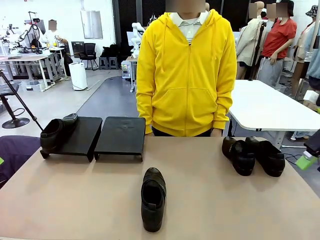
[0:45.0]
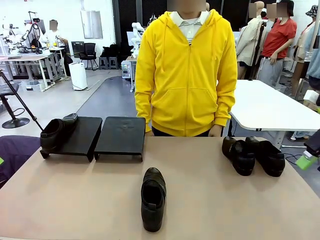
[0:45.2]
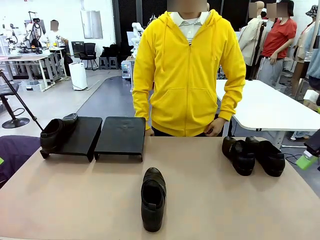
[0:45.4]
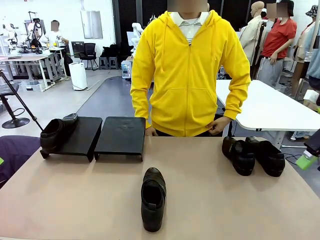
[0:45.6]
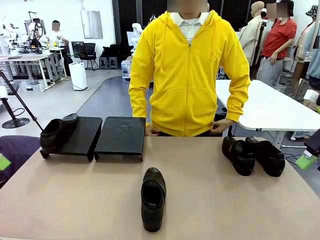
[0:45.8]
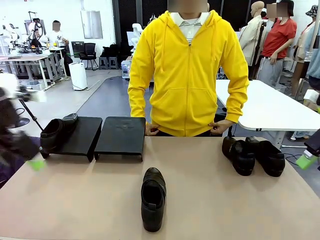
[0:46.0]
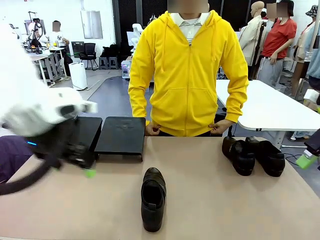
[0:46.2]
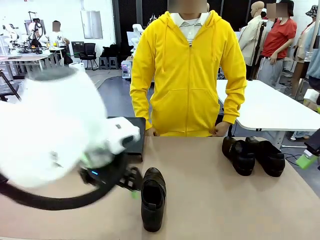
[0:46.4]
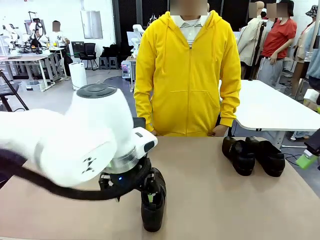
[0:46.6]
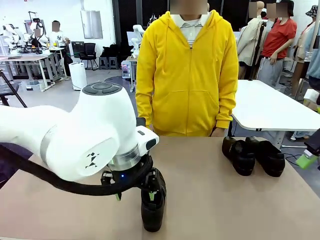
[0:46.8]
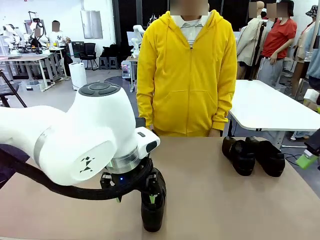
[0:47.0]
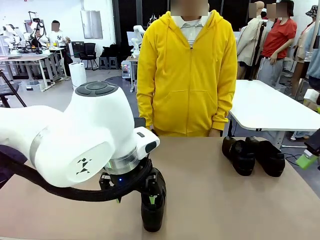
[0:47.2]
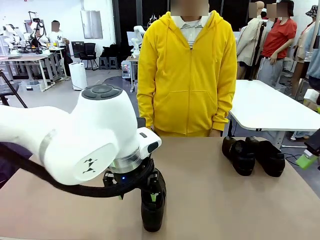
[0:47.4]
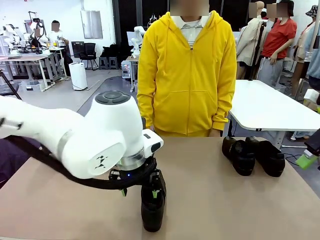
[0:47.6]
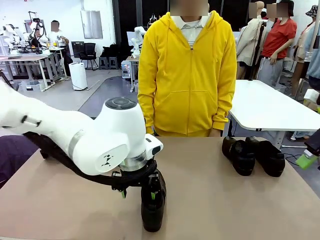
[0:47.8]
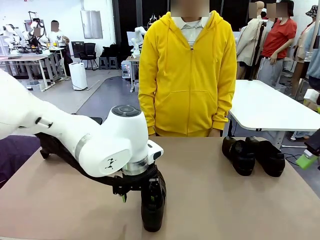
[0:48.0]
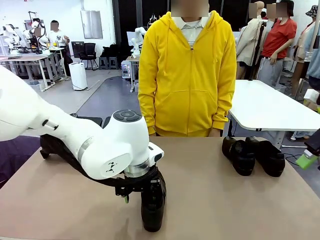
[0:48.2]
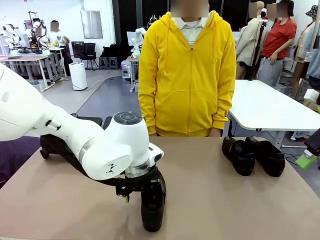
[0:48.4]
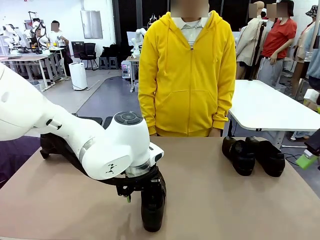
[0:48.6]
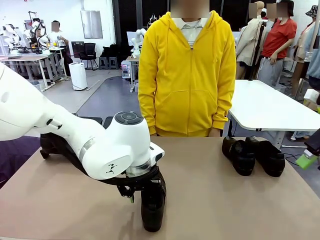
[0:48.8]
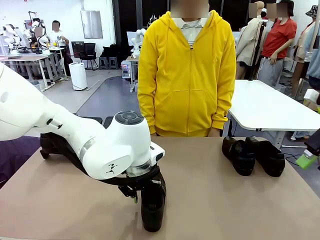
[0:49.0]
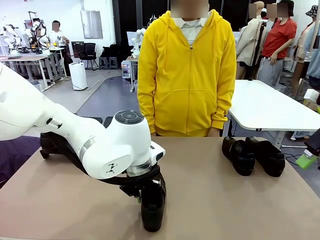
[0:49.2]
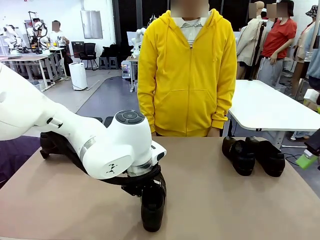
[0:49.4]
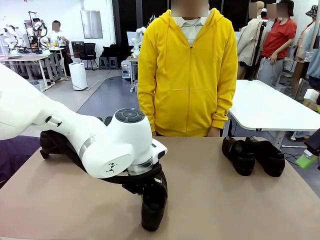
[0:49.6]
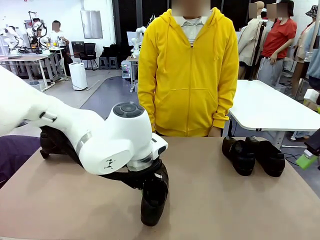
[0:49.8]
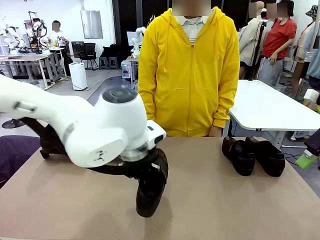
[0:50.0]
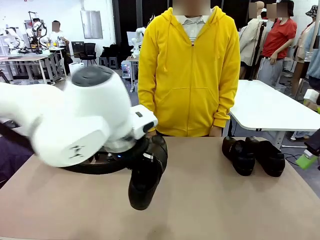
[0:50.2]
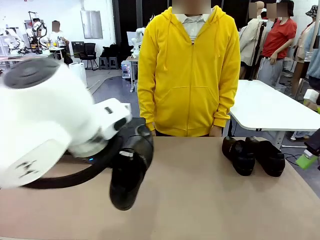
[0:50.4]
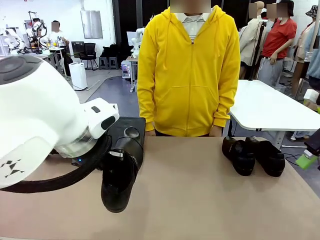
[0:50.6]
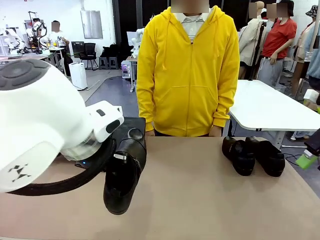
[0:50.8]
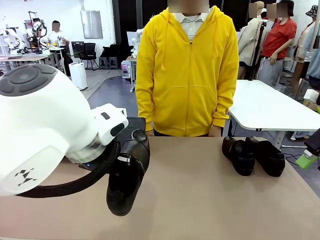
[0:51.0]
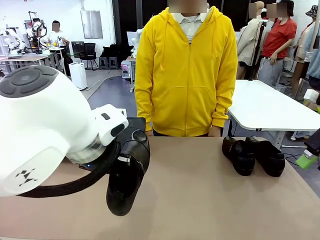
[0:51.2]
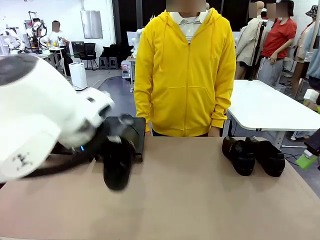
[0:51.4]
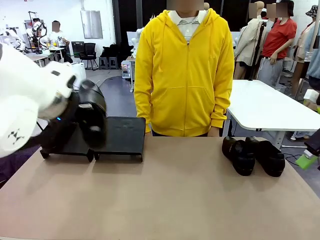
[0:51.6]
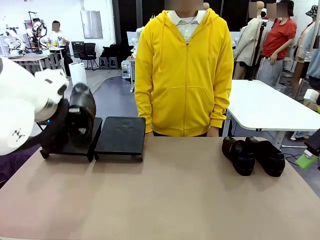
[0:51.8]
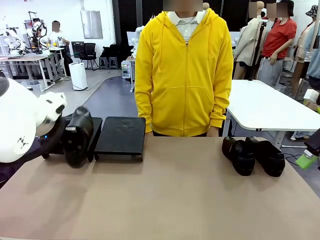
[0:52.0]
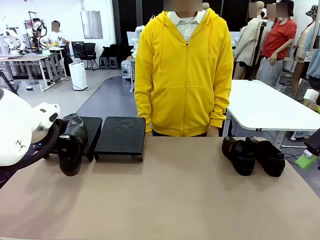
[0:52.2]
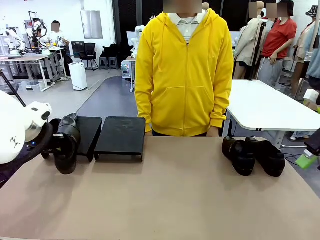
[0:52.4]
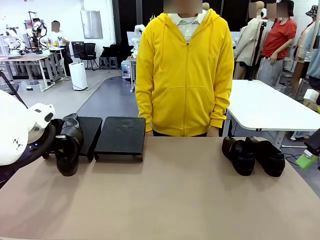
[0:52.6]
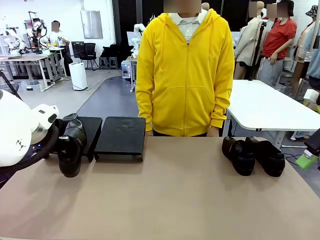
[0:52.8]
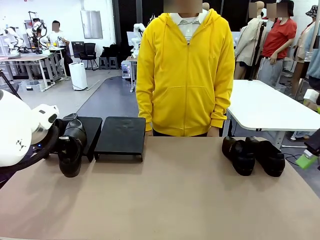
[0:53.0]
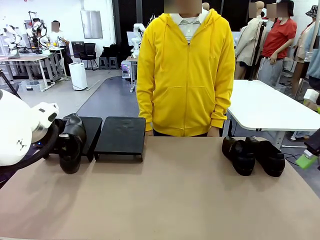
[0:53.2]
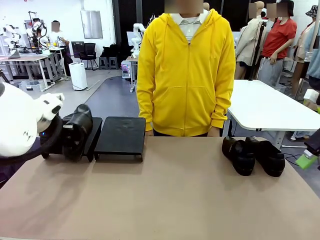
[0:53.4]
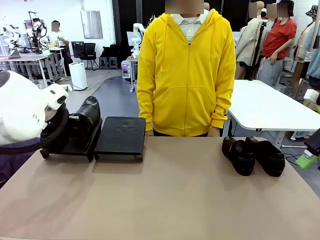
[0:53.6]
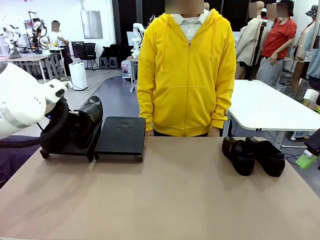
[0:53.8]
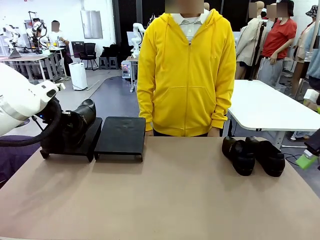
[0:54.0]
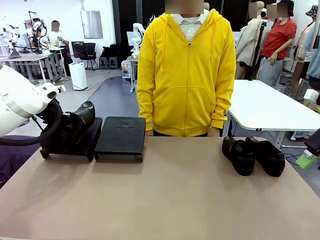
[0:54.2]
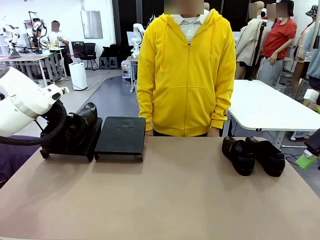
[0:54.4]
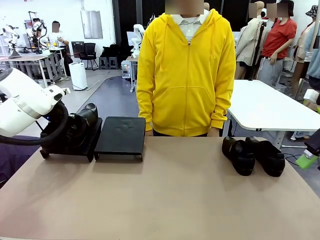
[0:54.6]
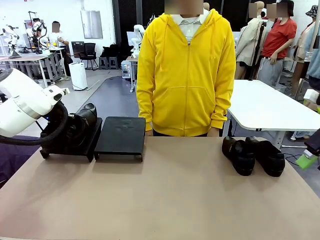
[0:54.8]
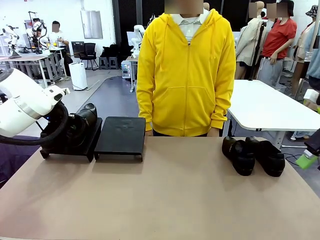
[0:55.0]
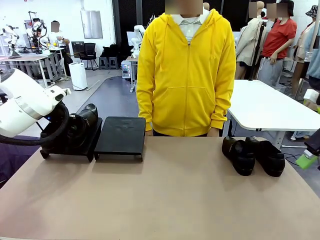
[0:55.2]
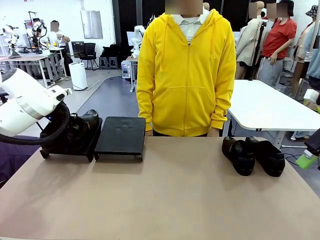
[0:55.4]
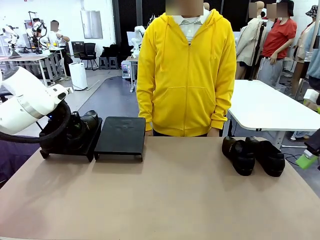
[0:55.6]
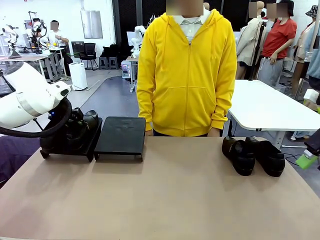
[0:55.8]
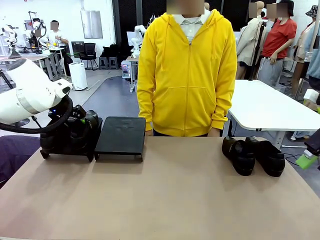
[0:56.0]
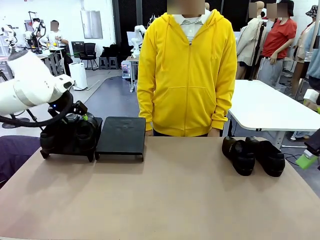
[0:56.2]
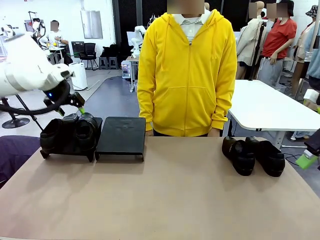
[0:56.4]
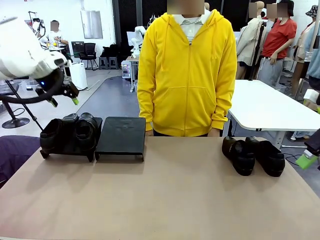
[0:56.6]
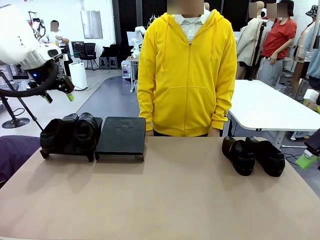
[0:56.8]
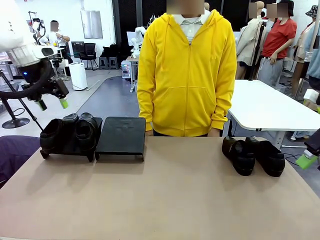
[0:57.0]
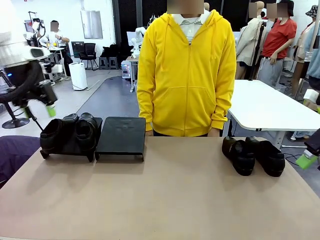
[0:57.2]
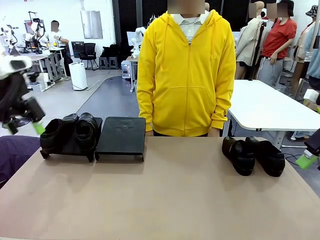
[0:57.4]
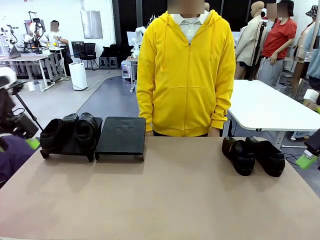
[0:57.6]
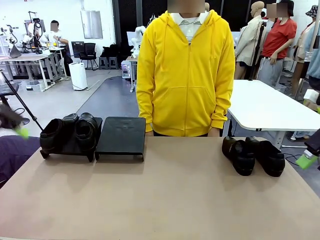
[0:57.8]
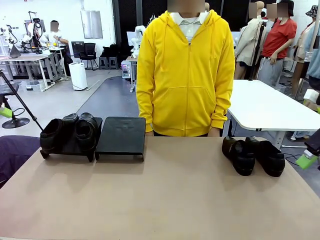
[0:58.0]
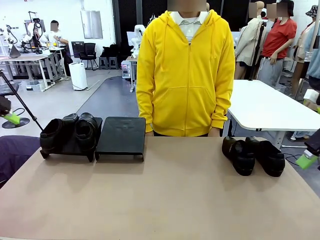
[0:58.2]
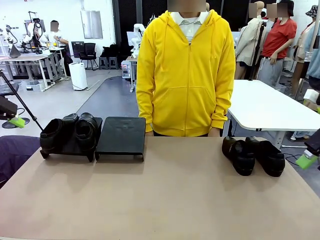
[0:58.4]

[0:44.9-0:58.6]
Task: Organize the shoes by placing them on the stand.
Robot: Place the Shoe from the middle of the table onto the Shoes Stand.

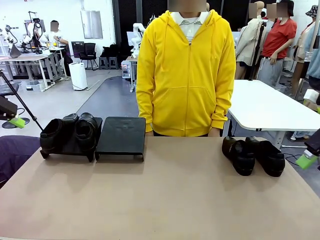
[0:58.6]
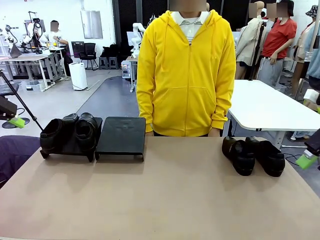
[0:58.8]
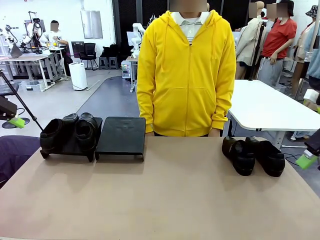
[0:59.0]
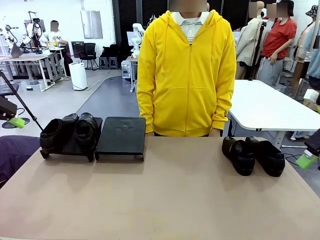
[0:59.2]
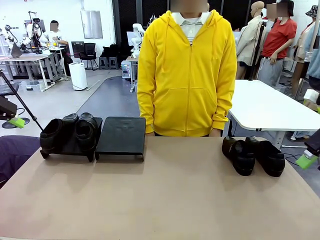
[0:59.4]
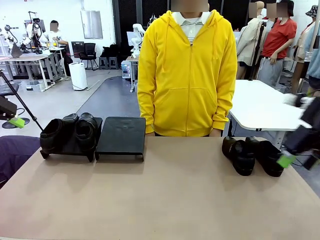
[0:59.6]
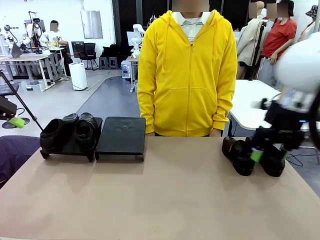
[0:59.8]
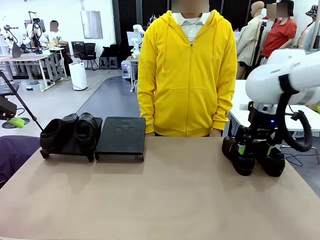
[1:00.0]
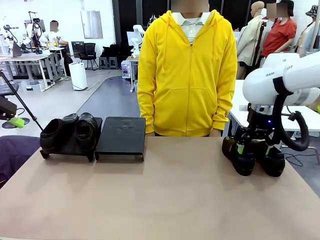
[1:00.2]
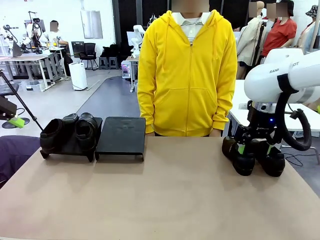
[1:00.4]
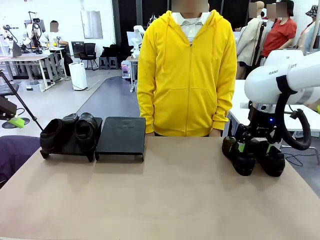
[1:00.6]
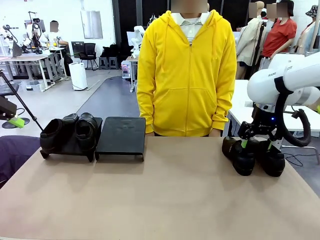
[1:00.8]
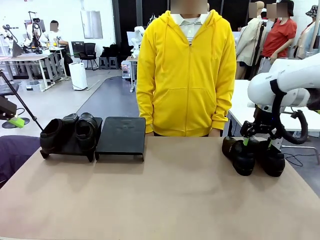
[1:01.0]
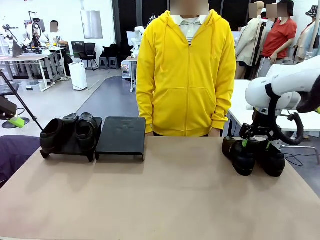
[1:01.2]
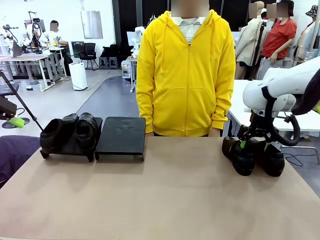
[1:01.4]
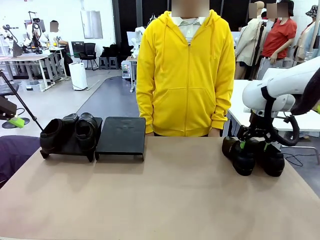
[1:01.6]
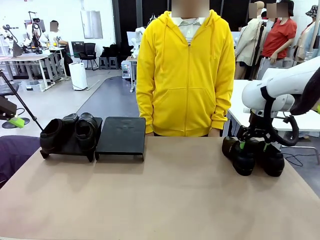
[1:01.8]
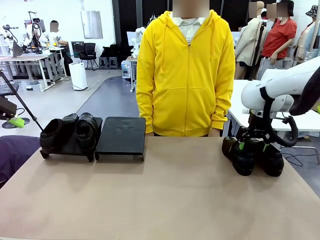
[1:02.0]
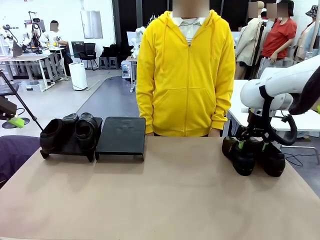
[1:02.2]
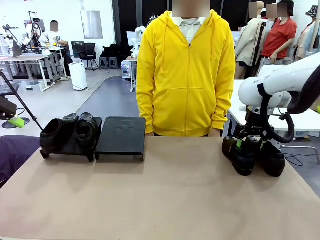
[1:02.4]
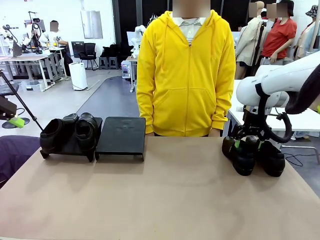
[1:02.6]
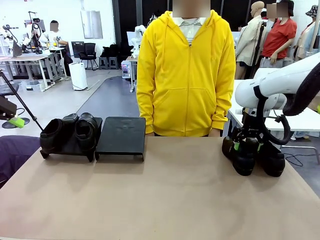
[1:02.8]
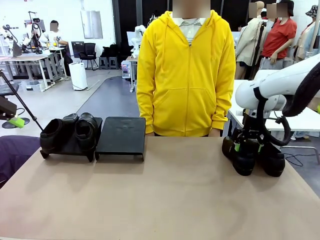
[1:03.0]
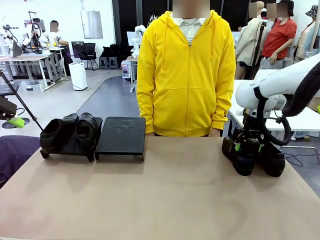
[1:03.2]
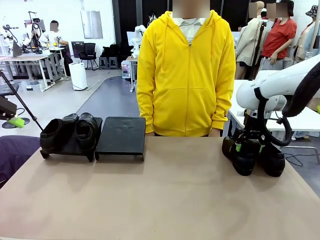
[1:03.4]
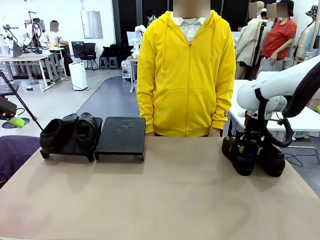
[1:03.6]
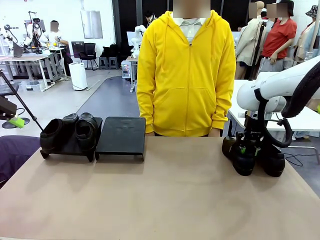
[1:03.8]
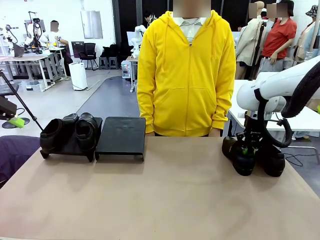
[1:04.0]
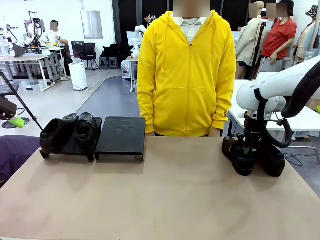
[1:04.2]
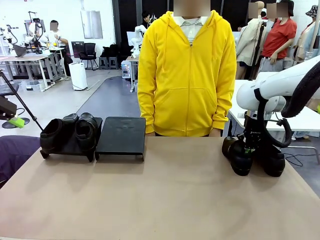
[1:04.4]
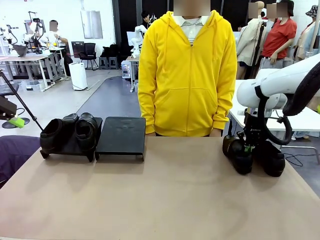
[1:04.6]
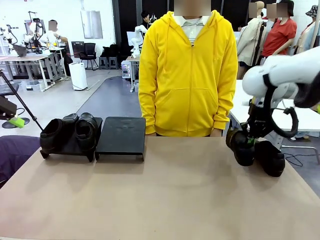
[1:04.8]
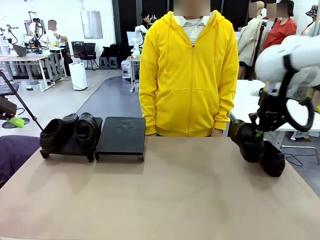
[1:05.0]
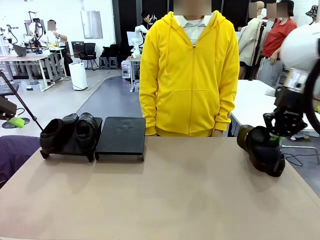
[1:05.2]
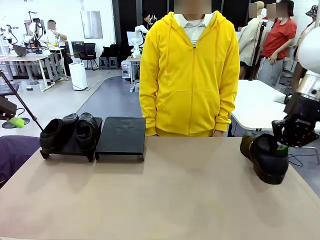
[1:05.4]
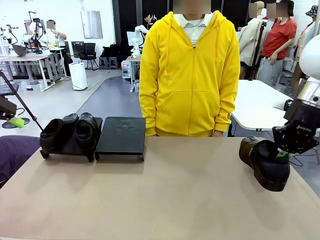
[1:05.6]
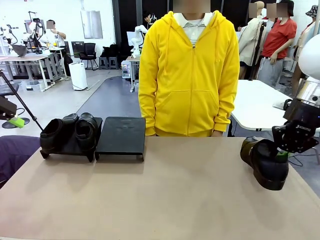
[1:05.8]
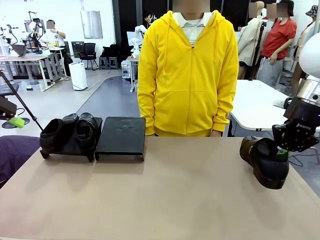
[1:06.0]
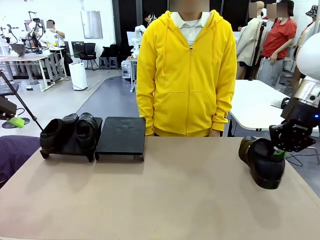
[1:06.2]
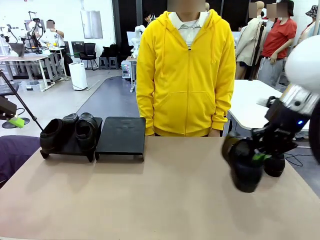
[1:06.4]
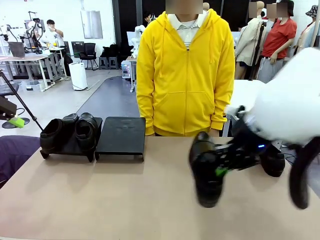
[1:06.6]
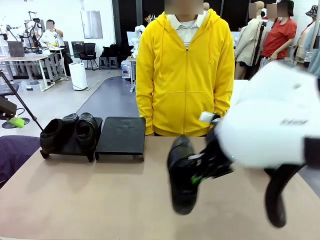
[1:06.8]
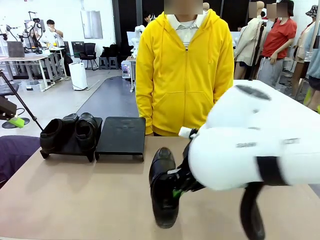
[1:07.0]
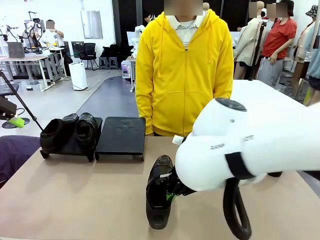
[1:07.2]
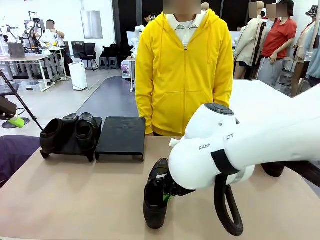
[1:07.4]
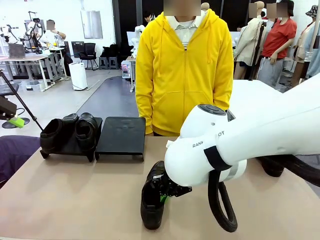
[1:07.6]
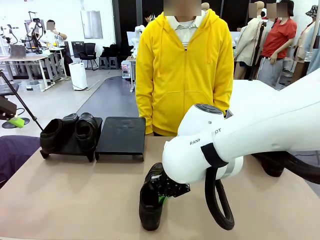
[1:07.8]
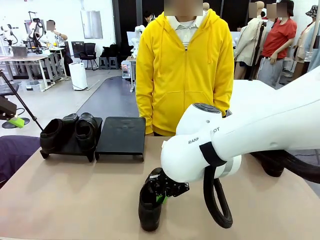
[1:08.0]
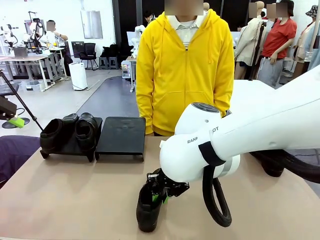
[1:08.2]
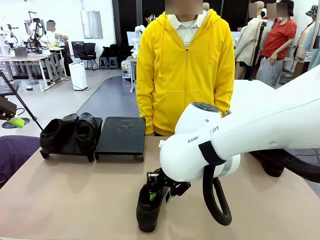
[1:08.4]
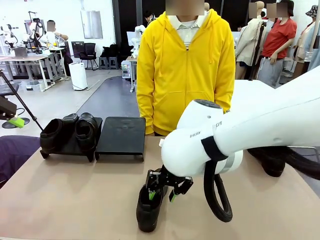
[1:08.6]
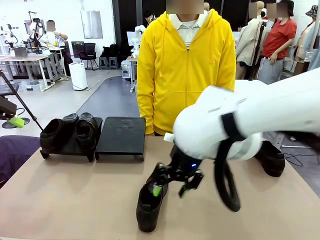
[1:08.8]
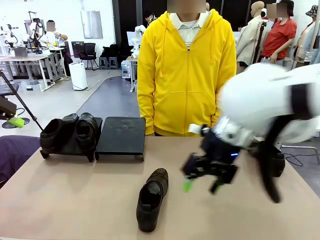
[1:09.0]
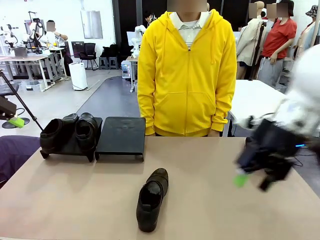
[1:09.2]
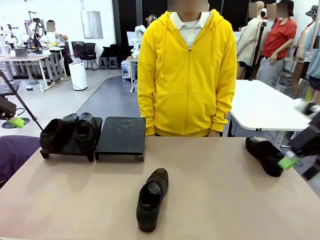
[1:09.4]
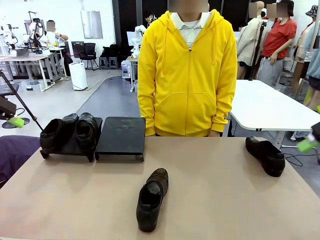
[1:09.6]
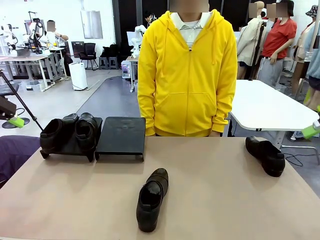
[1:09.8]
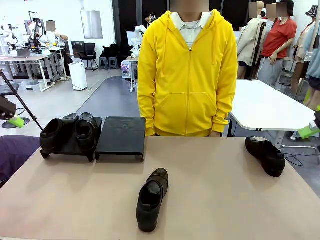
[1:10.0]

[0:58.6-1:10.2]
Robot: Pick up one Shoe and place it in the middle of the table.
